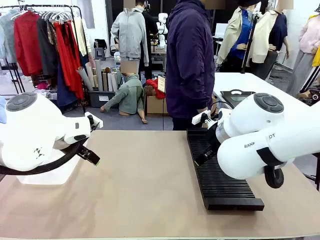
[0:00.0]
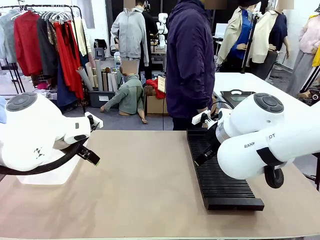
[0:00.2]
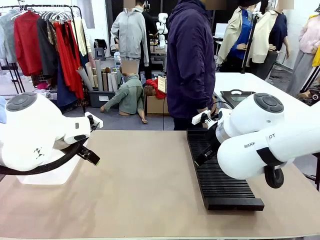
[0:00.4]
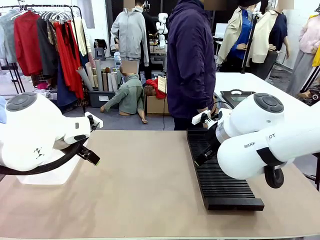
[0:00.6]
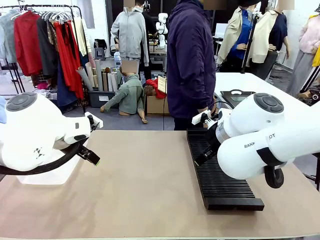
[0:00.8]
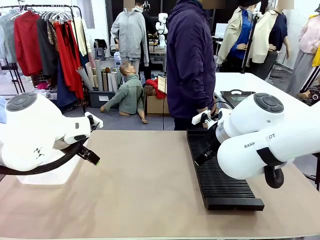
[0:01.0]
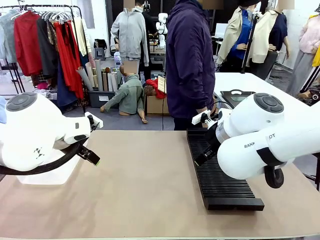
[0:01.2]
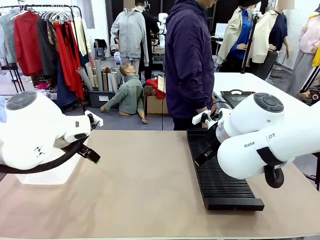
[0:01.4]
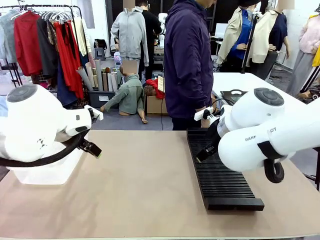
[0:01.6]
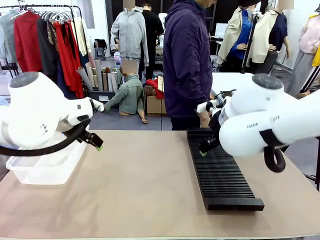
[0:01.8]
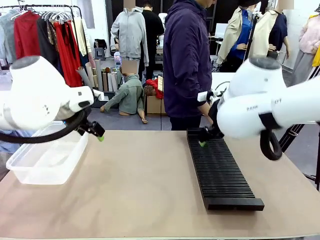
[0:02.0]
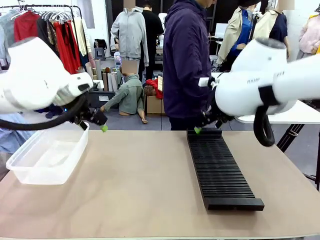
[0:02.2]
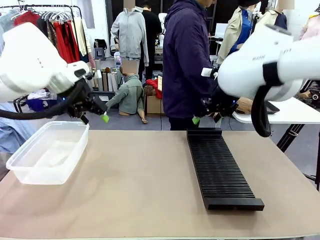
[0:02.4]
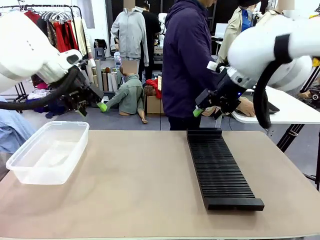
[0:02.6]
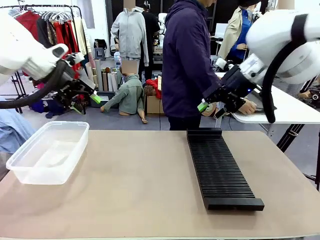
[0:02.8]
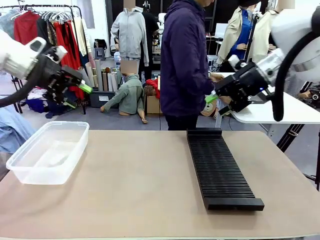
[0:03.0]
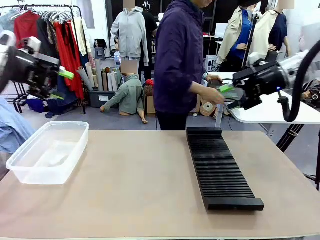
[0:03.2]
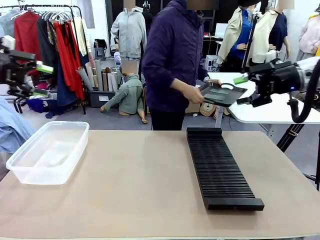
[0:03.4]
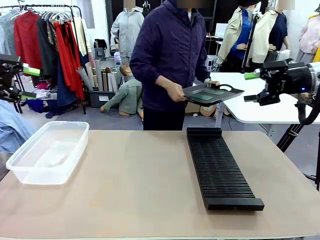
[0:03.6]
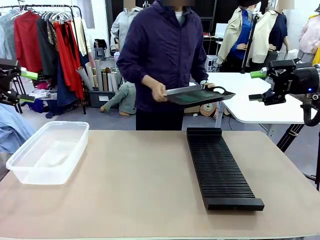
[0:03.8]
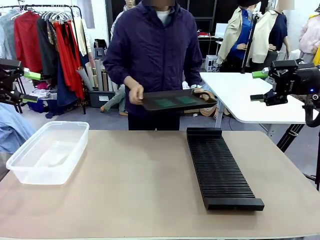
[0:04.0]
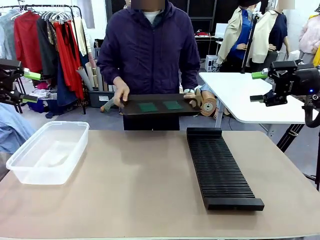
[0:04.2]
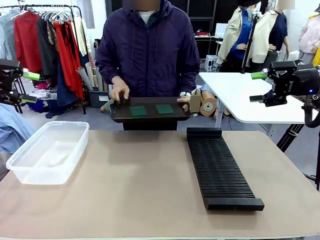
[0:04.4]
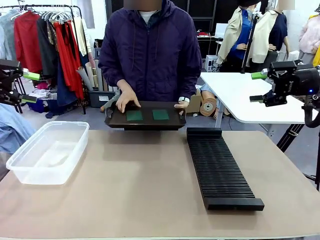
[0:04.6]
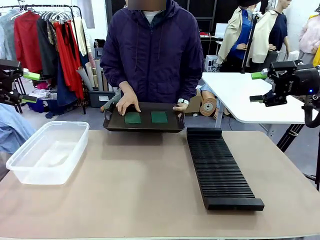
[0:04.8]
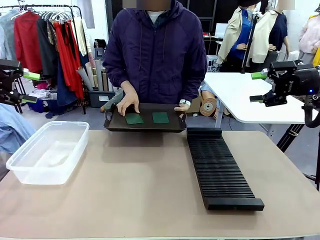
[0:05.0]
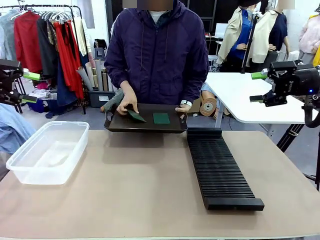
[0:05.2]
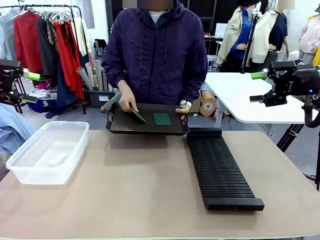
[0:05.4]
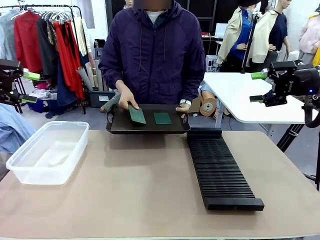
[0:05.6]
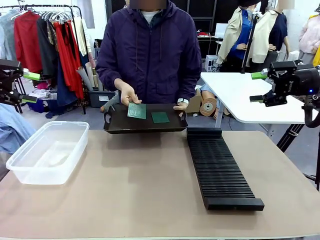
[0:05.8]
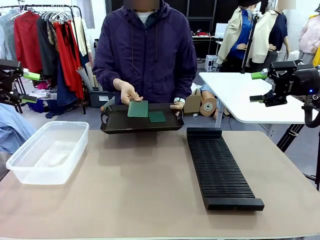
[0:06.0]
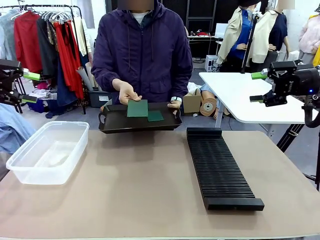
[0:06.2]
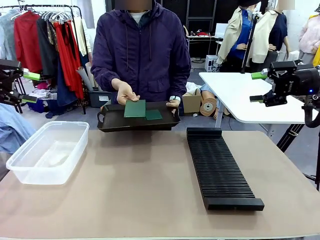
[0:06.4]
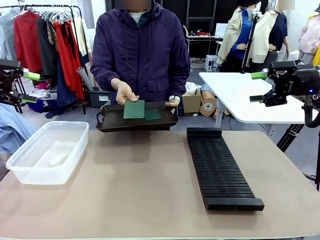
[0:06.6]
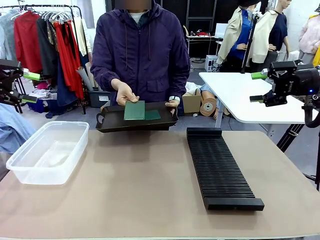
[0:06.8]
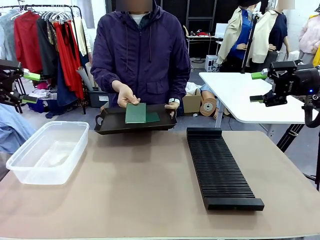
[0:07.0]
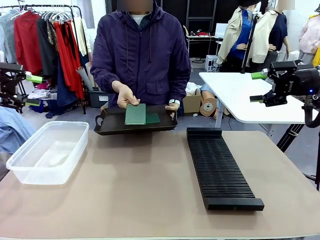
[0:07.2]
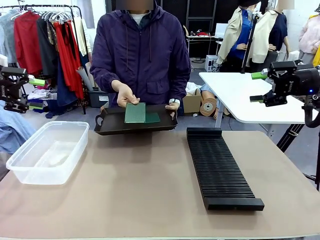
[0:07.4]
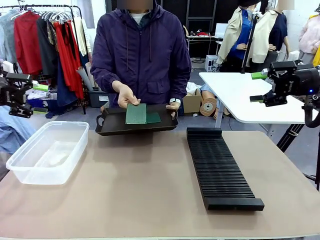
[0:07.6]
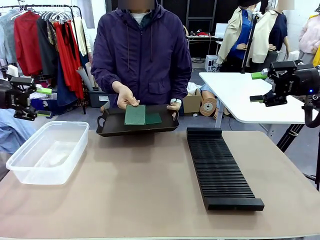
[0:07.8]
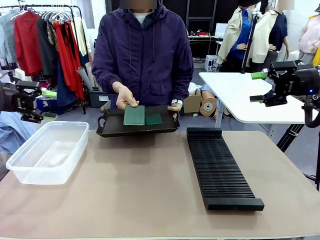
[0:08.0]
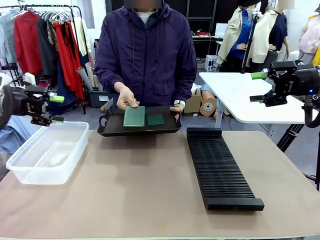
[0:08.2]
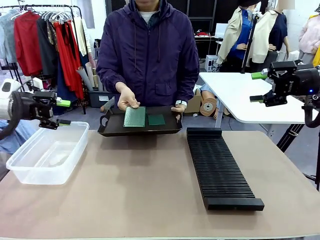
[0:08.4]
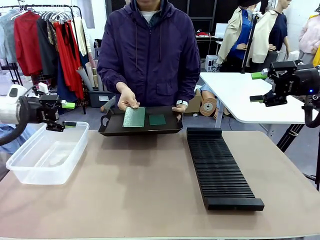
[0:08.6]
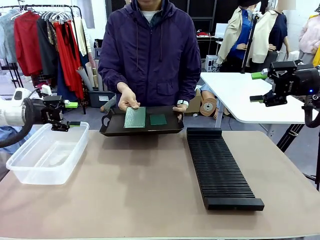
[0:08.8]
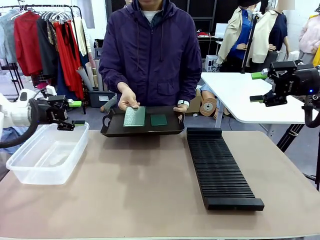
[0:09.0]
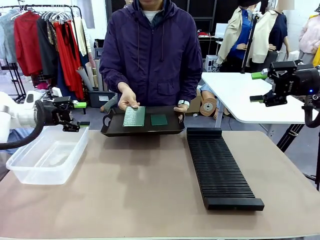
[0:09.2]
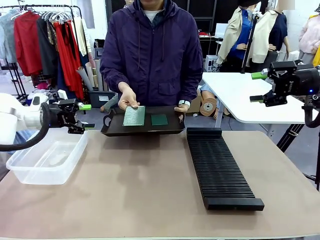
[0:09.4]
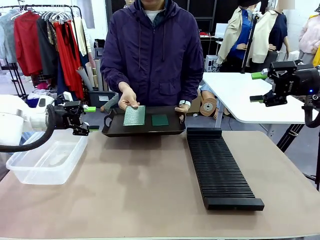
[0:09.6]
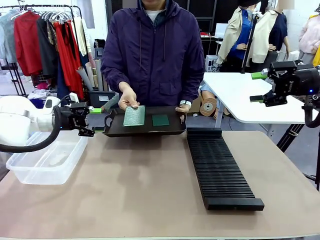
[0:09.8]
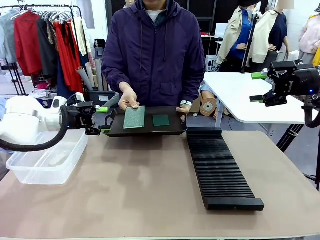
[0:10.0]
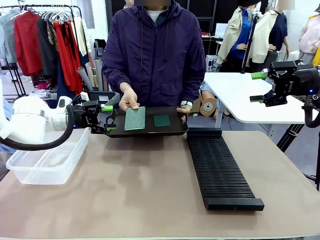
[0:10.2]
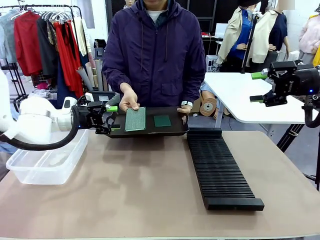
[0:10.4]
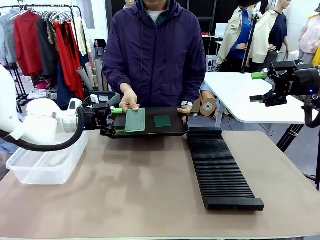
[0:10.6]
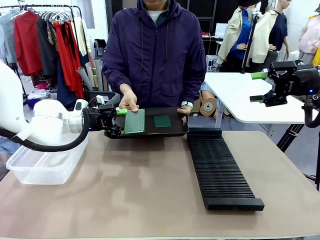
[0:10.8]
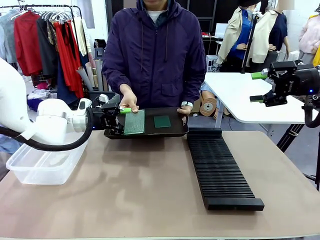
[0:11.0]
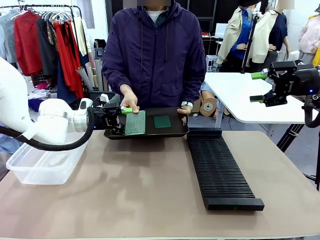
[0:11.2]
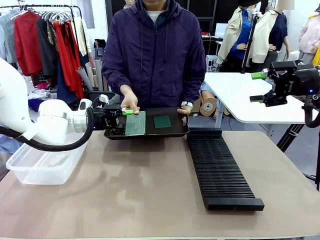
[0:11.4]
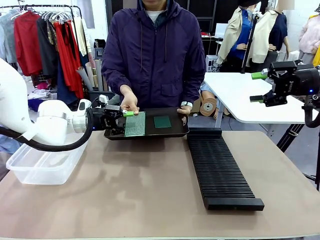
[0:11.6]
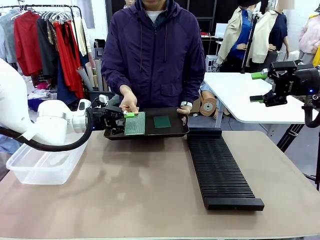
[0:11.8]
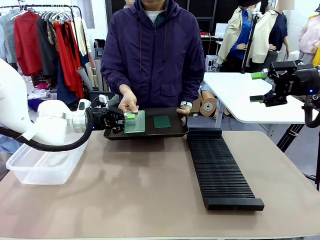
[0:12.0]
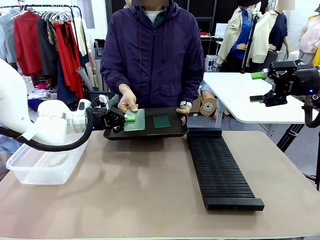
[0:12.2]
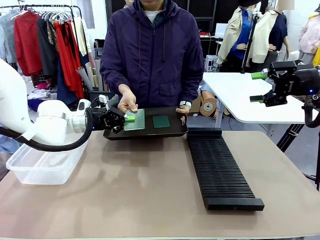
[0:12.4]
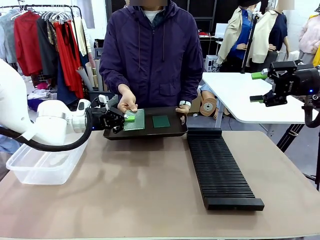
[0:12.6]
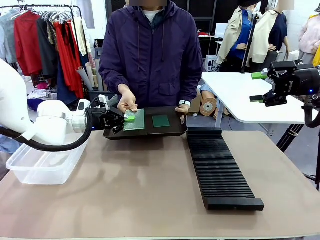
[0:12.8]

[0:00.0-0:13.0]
Task: Sort PCBs into racks and boxes based on the side picked up.
Robot: Pick up the Blank PCB handed by the Human.
Person: Pick one PCB from the tray and present it to the robot. Release the PCB being held.

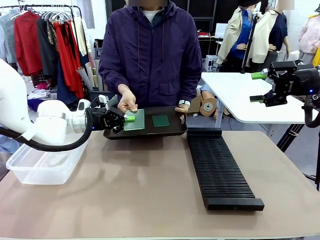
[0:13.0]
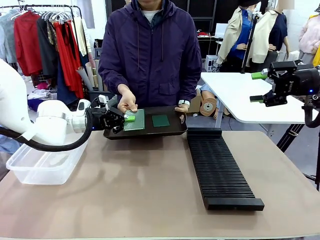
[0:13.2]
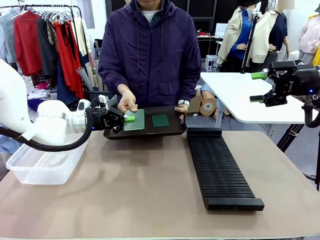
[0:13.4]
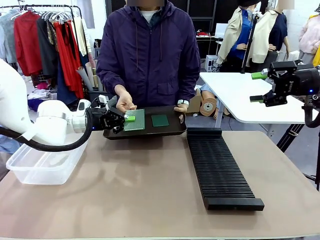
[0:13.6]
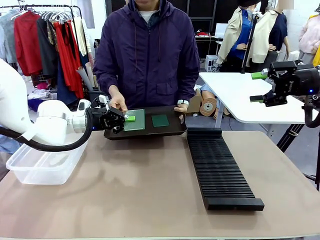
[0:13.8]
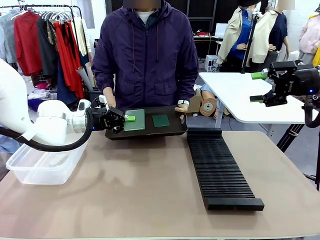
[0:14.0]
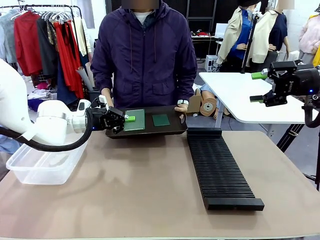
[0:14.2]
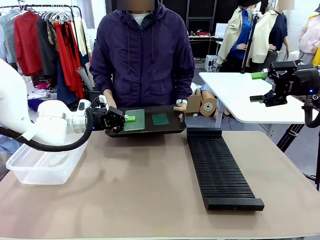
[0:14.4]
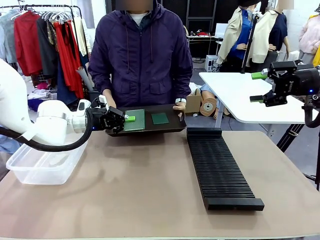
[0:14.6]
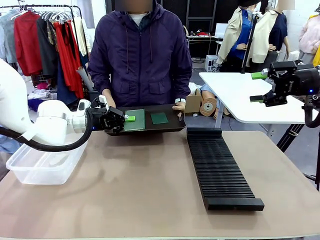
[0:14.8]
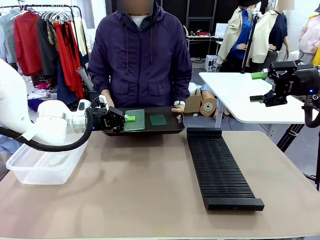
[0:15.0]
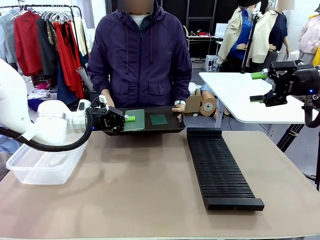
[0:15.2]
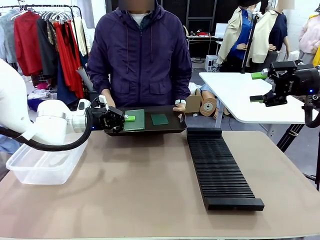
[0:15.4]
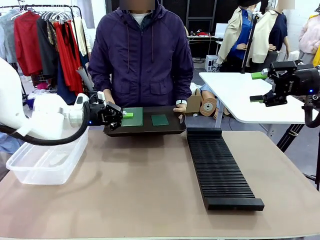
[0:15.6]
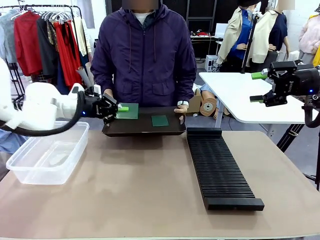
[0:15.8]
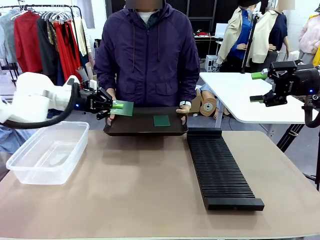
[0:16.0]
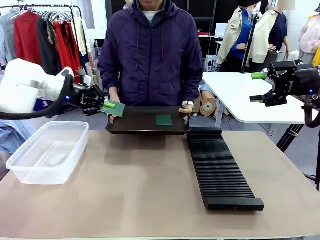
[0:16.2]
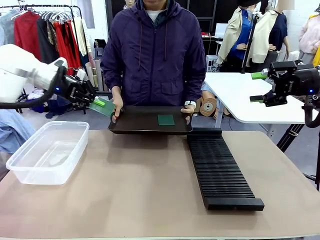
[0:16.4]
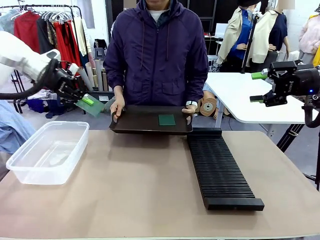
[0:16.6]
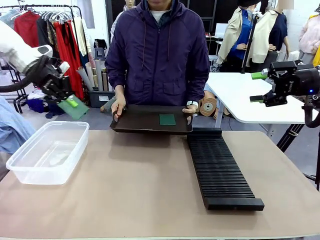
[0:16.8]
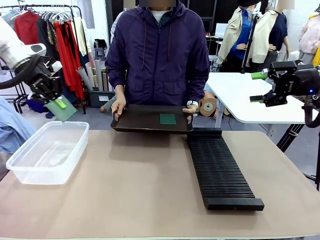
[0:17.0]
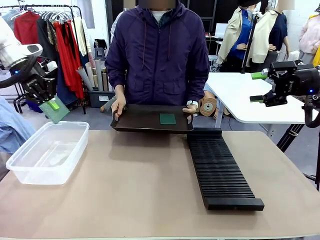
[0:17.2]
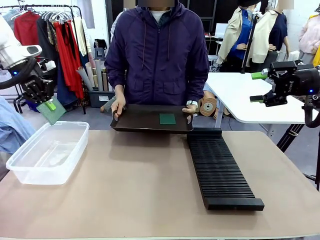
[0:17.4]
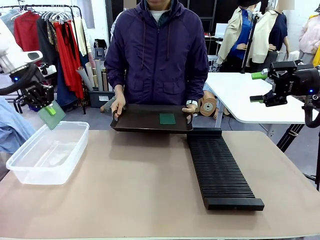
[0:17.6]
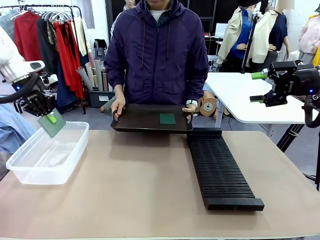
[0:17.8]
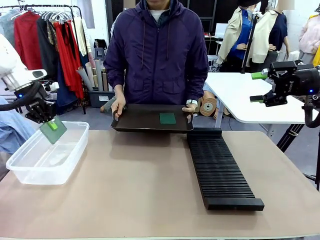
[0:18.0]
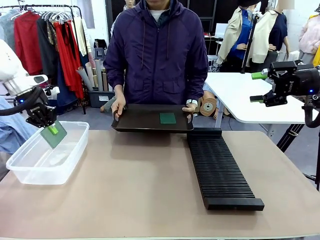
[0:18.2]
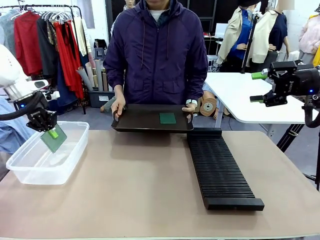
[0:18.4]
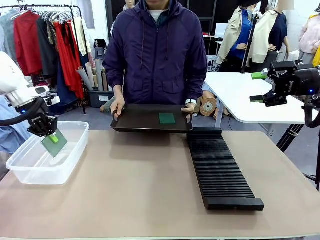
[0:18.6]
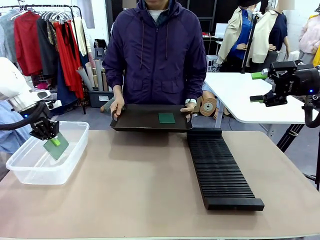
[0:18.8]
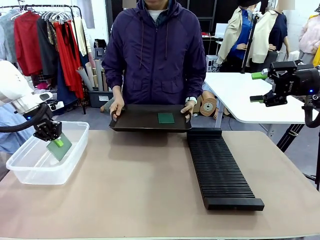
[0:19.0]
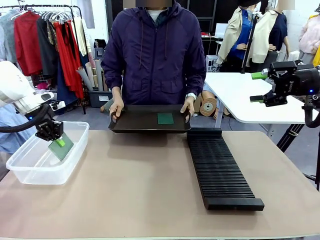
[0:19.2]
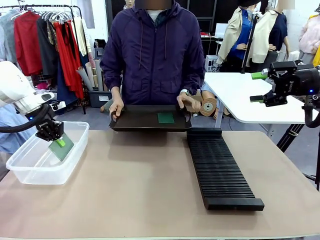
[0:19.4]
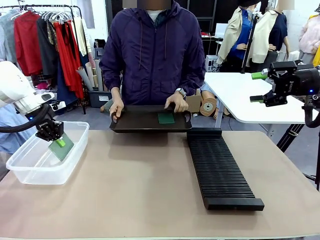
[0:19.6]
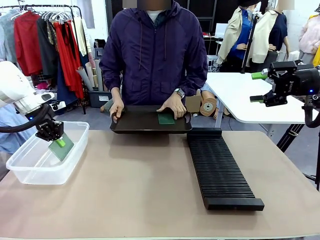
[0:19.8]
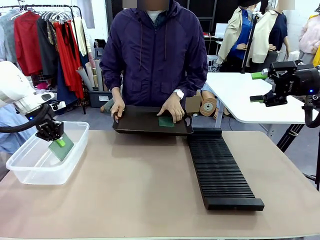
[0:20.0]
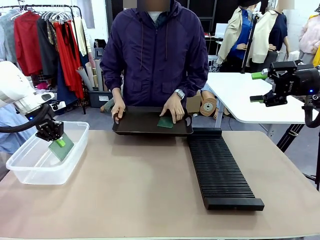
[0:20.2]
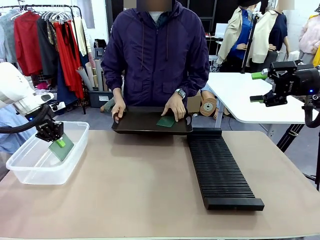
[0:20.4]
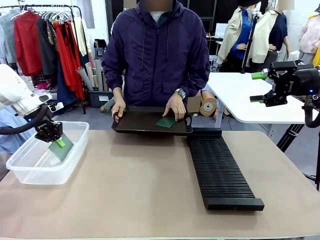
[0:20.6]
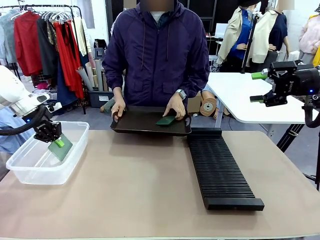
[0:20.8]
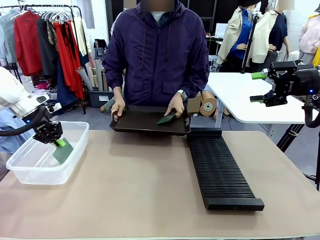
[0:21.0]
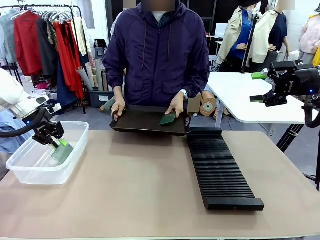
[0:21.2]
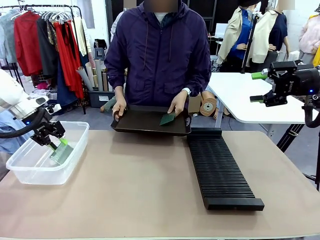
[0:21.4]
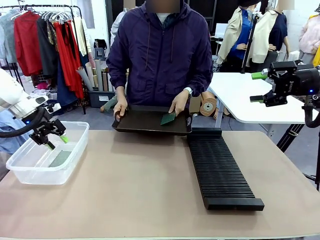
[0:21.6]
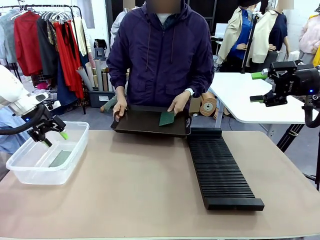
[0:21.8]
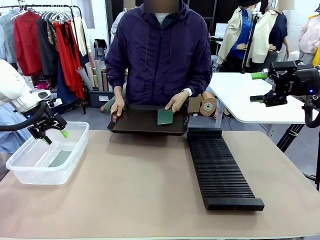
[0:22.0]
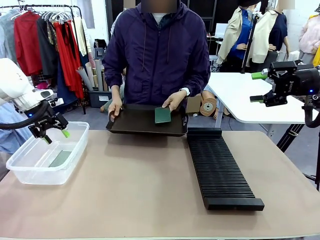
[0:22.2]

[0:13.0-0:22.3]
Robot: If the short side of the Blank PCB is picked up, insert it into the PCB Rack ; if the long side is picked up, place it in the Organizing box.
Person: Pick one PCB from the tray and present it to the robot.
